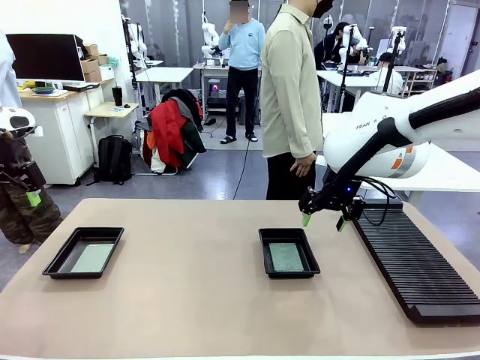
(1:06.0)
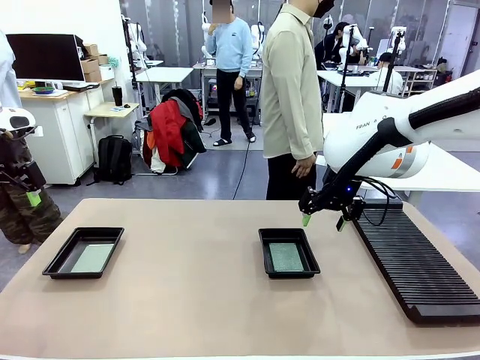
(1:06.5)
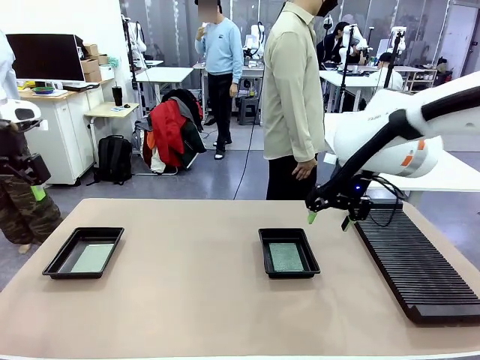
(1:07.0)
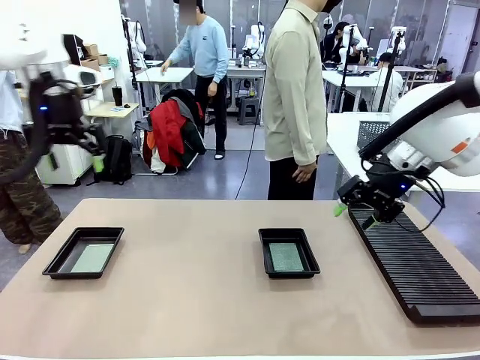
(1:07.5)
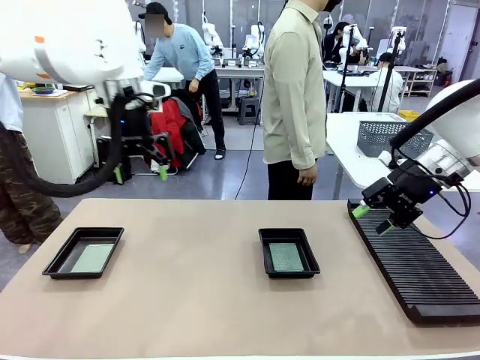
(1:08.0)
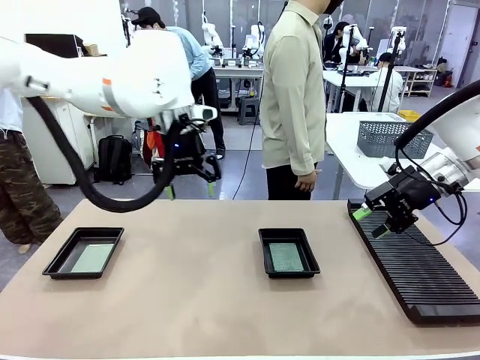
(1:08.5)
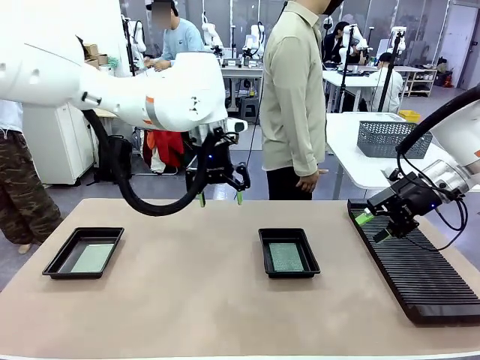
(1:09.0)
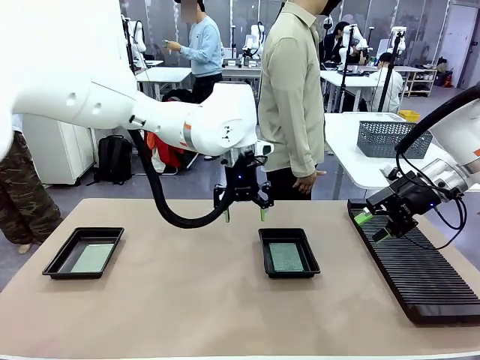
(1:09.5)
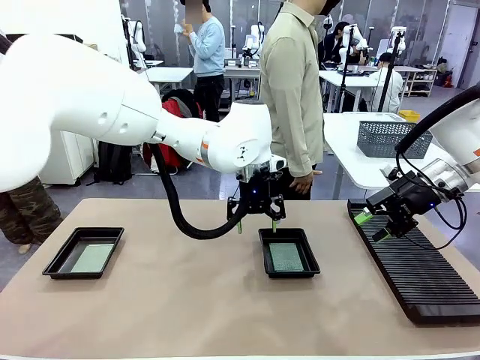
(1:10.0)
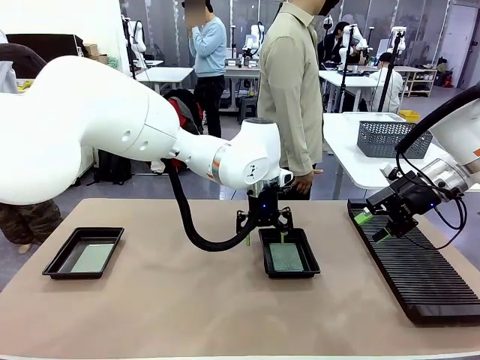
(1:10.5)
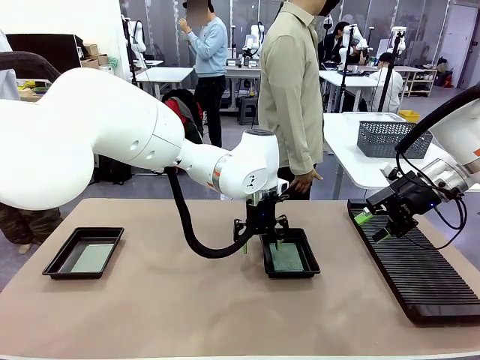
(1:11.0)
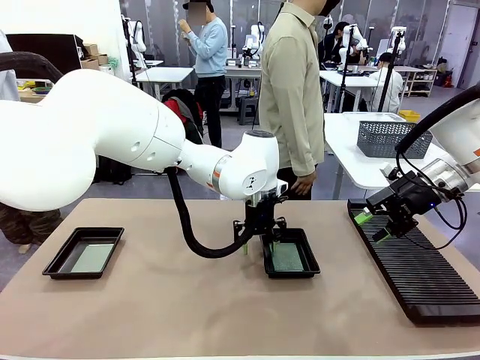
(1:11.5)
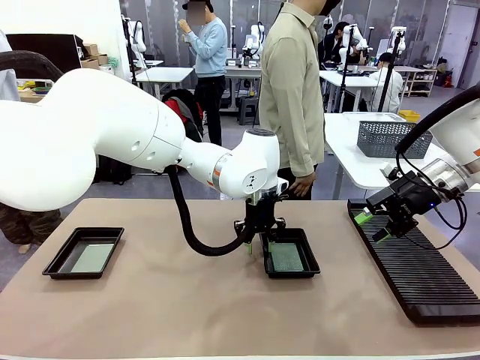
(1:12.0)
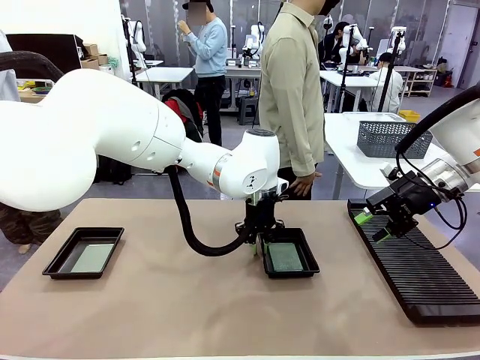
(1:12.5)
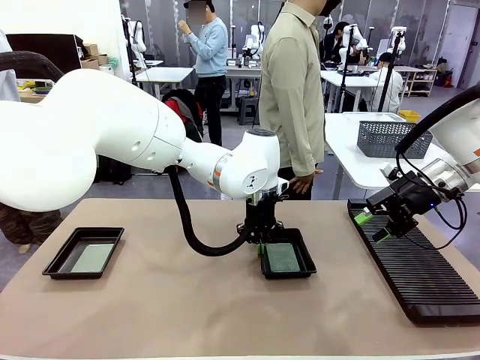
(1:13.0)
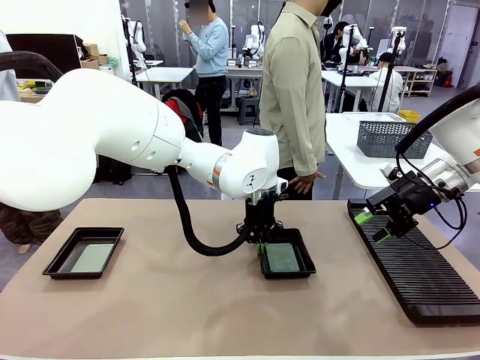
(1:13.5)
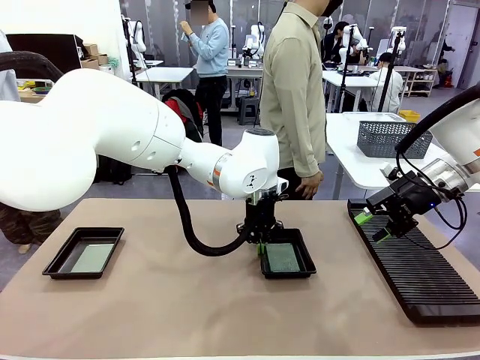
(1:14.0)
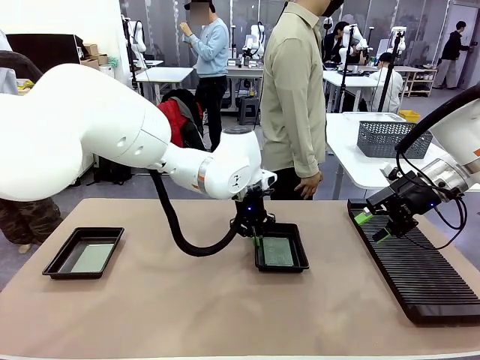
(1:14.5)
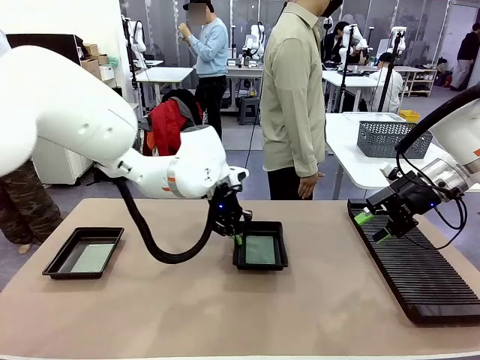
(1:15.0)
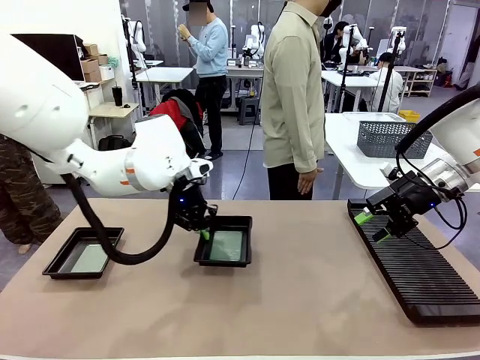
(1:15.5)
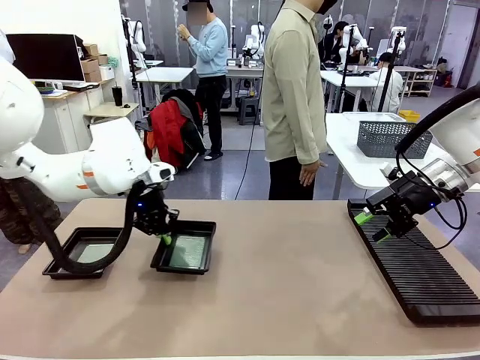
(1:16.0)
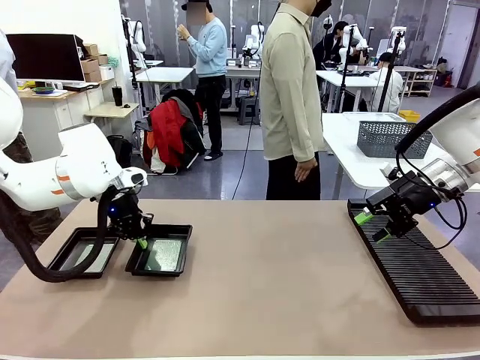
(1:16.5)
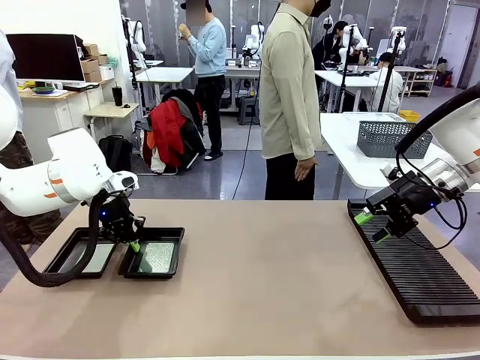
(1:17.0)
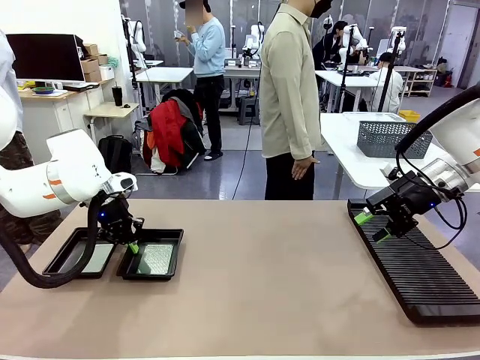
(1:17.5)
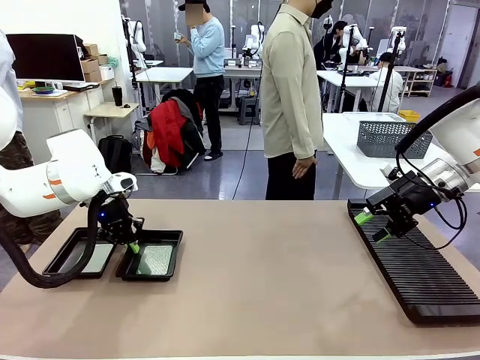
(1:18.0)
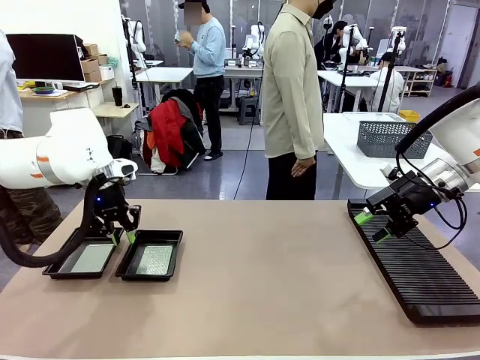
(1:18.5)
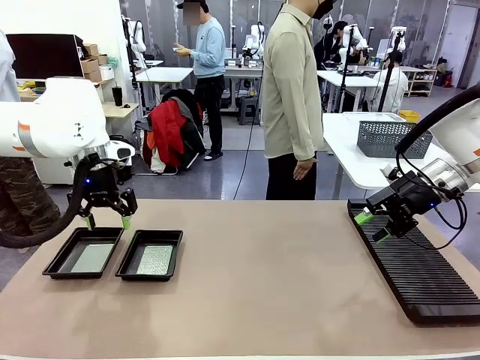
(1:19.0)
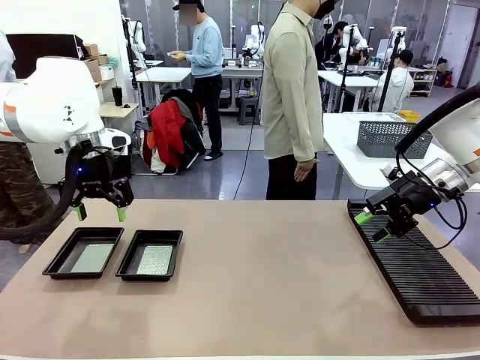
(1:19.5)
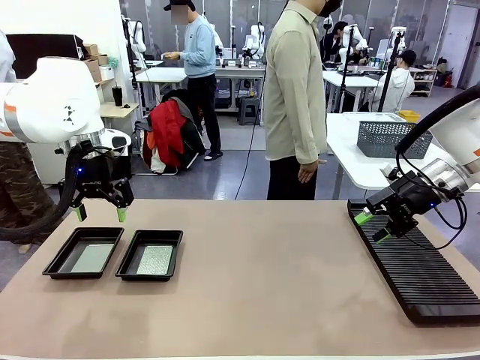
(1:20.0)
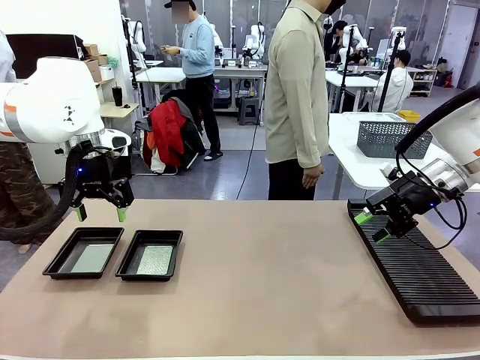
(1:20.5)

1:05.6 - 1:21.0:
Task: Inspect and transfer BCBs to ESD trays.
Robot: Pick up the ESD tray and place it on the left side of the table.

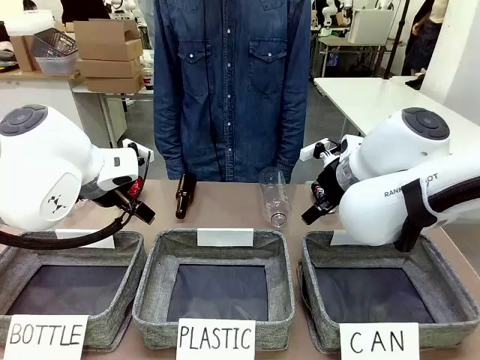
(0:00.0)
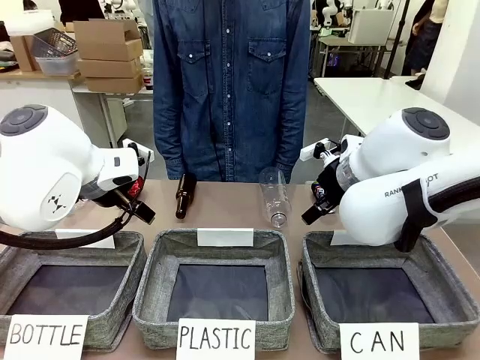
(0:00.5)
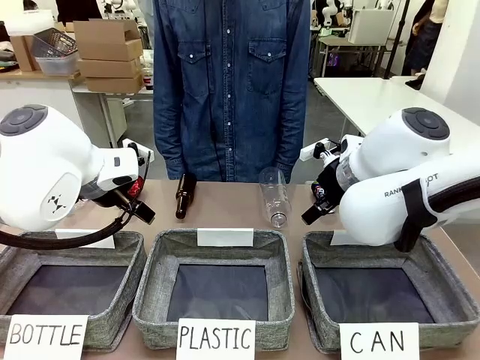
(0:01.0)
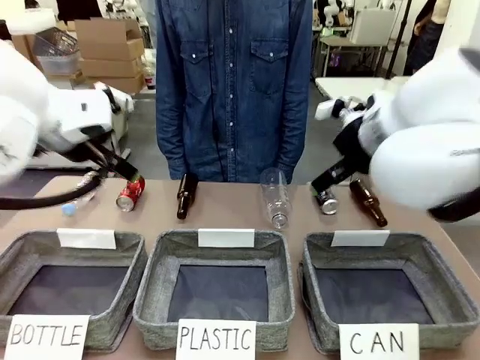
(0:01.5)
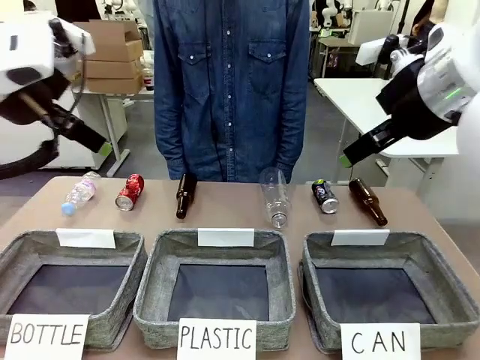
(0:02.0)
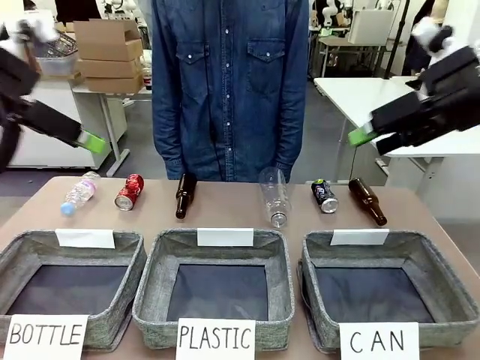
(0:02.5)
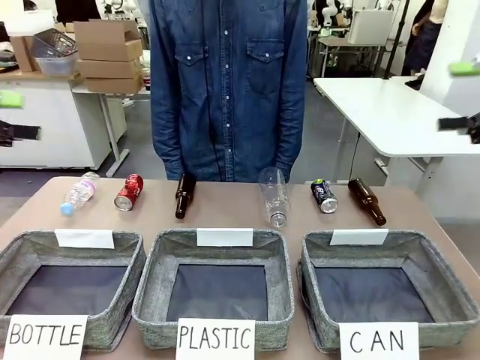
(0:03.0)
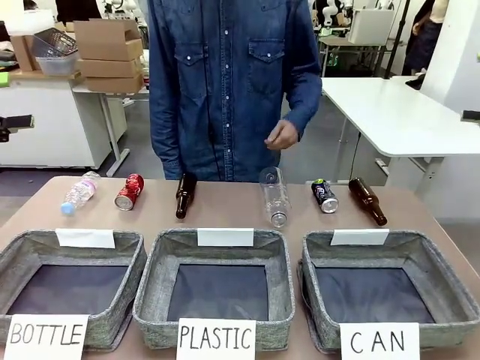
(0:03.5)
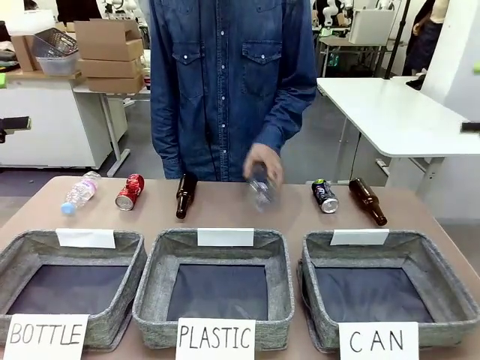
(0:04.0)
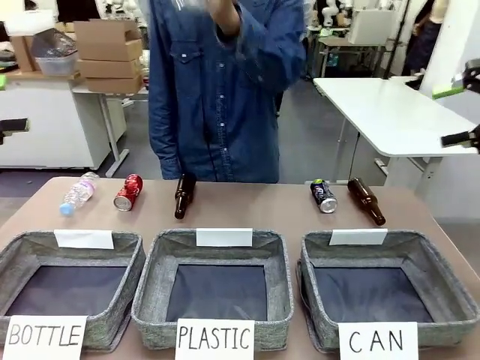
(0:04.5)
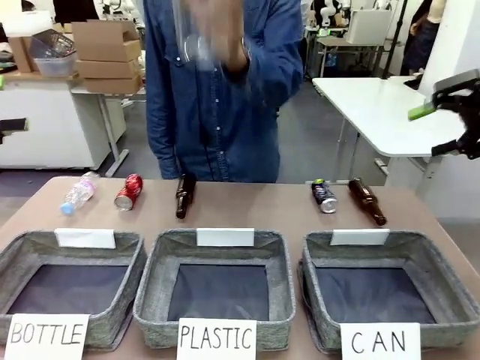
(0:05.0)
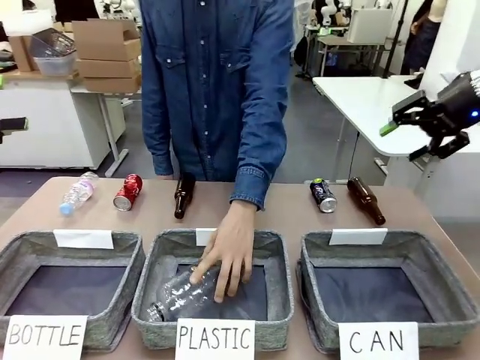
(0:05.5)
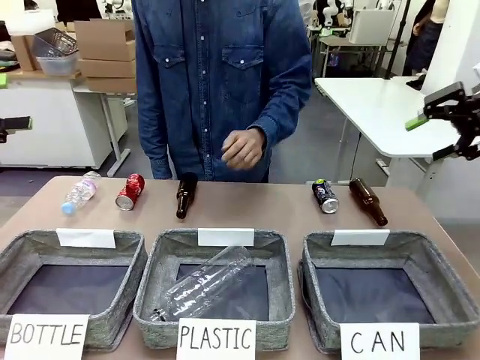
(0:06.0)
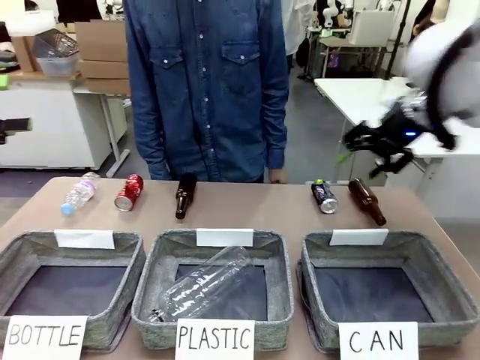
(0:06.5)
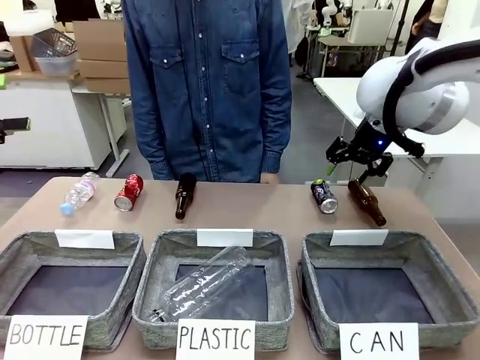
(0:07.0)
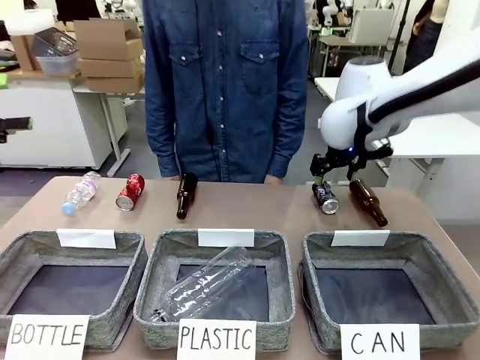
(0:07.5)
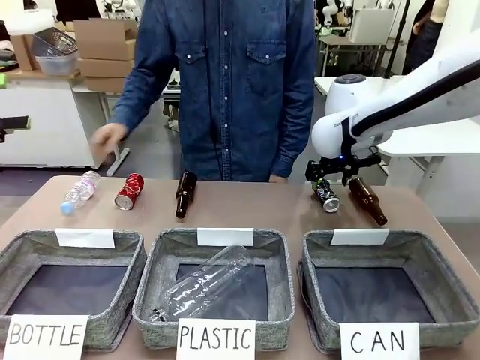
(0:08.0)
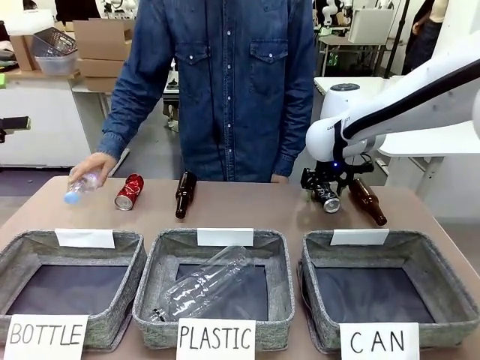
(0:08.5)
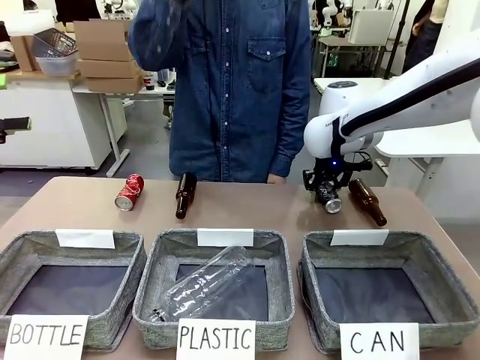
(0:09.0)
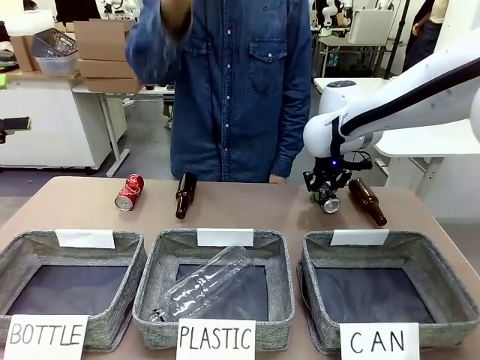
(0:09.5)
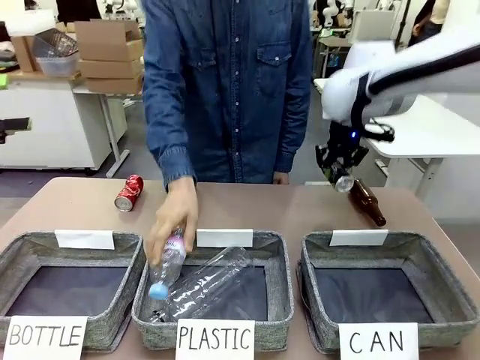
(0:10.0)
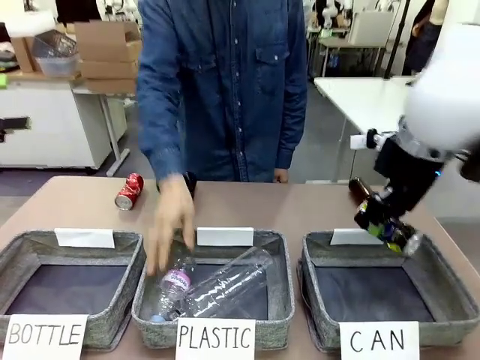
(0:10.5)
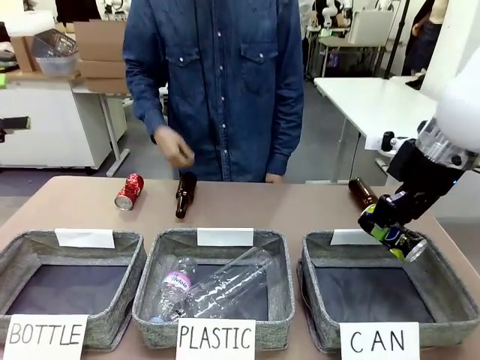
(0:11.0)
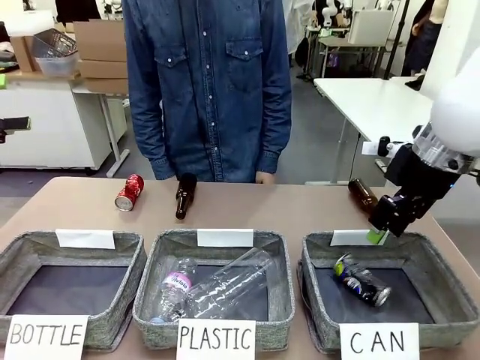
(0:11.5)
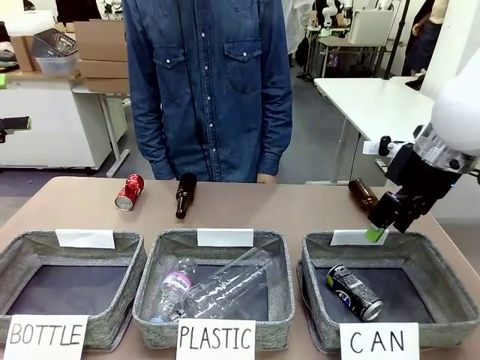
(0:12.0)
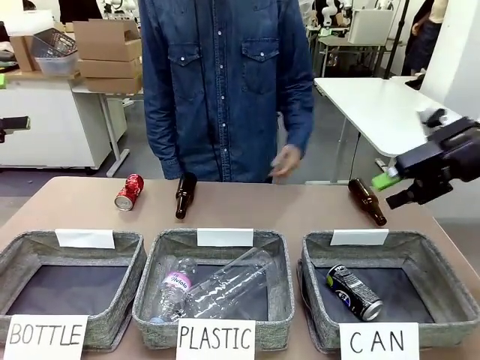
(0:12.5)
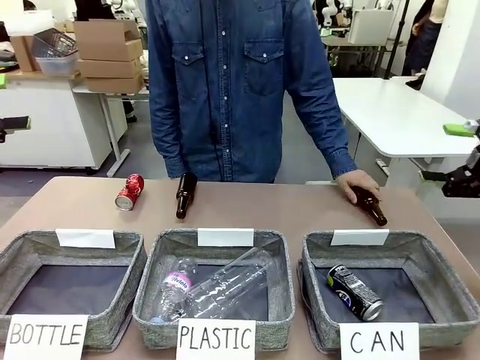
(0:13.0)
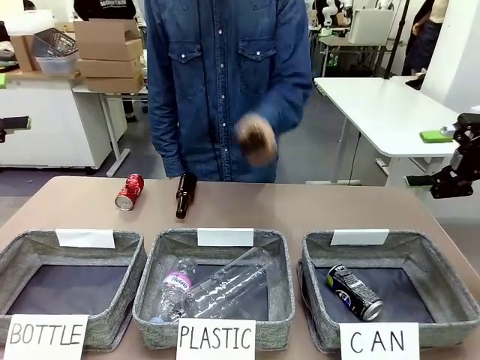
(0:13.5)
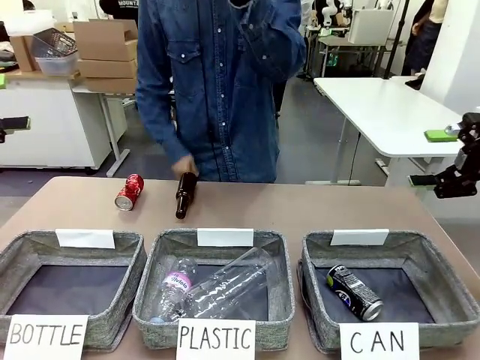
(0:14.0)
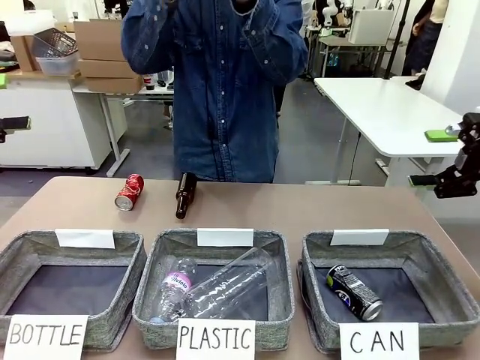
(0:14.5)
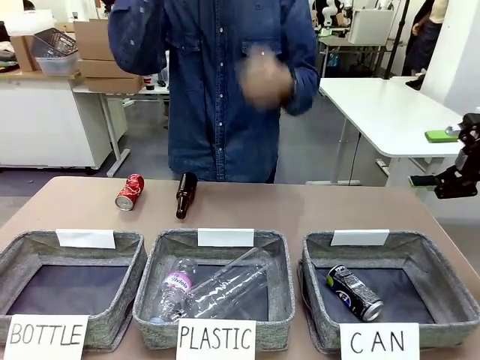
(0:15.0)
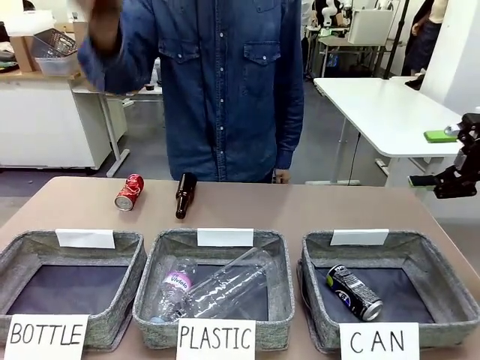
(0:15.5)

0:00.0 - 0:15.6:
Task: Sort the can waste into the basket.
Robot: Pick up the can waste from the table and place it in the right Fabric basket.
